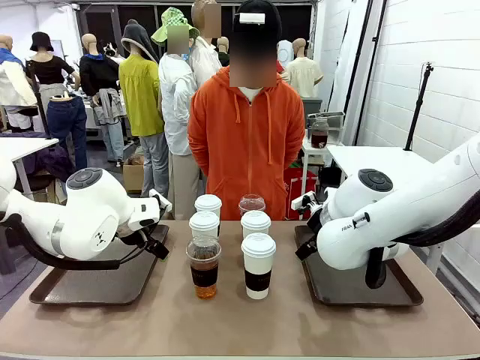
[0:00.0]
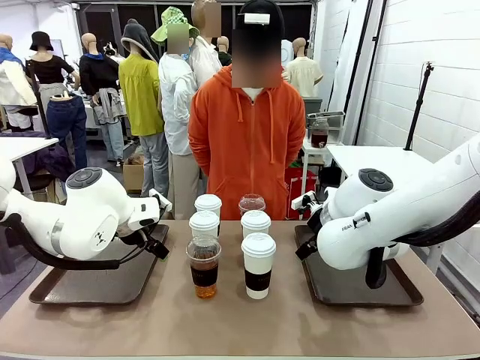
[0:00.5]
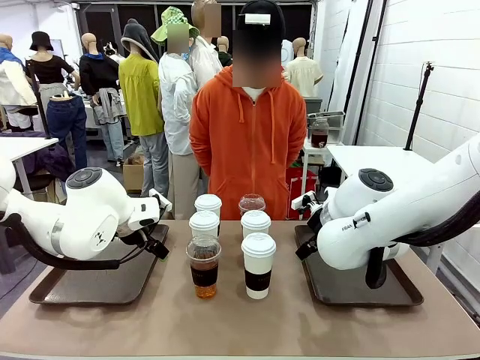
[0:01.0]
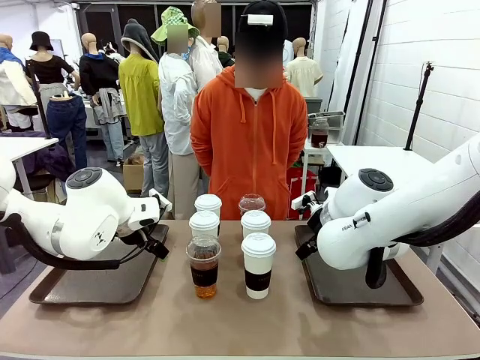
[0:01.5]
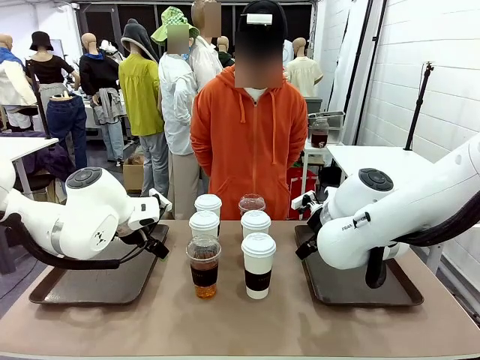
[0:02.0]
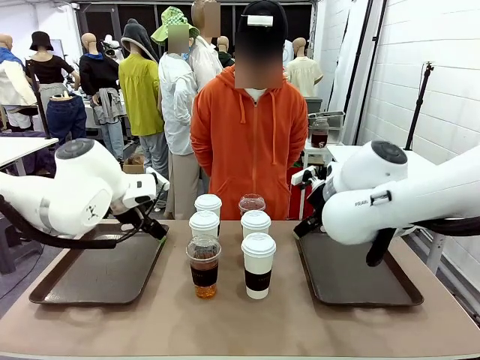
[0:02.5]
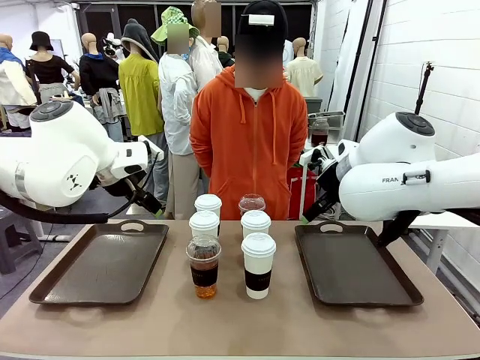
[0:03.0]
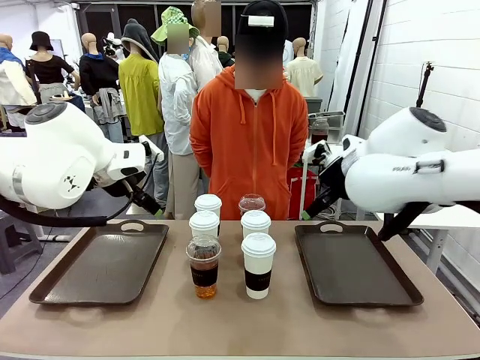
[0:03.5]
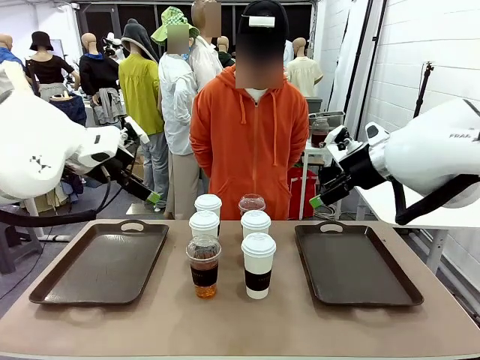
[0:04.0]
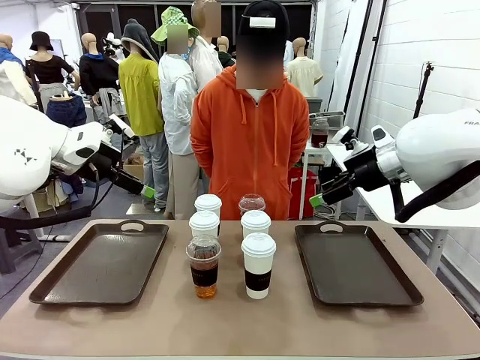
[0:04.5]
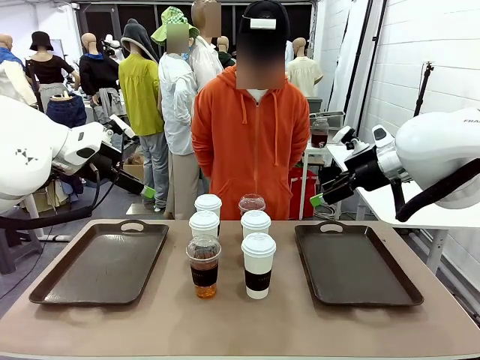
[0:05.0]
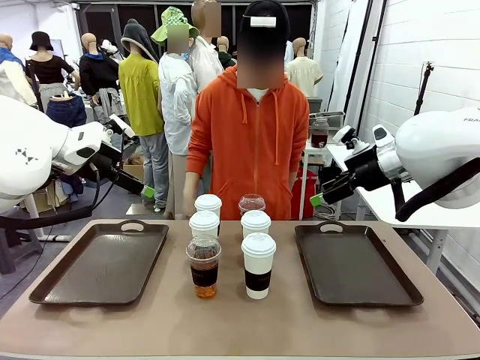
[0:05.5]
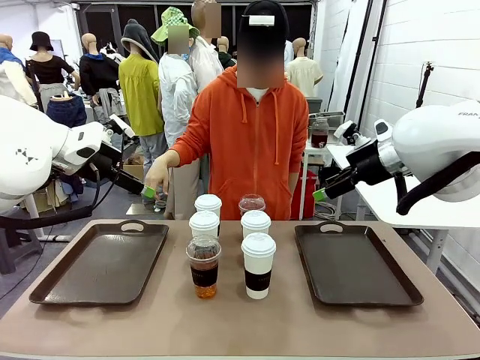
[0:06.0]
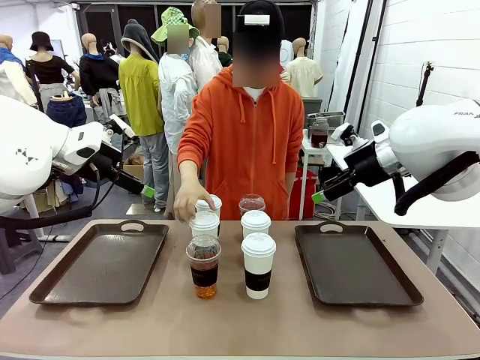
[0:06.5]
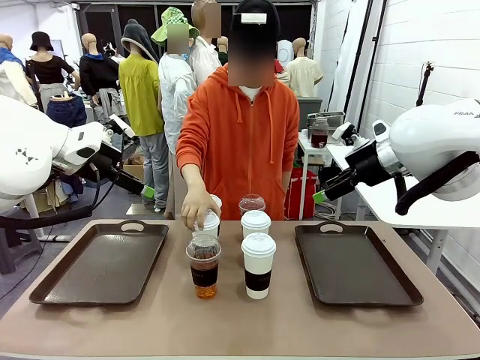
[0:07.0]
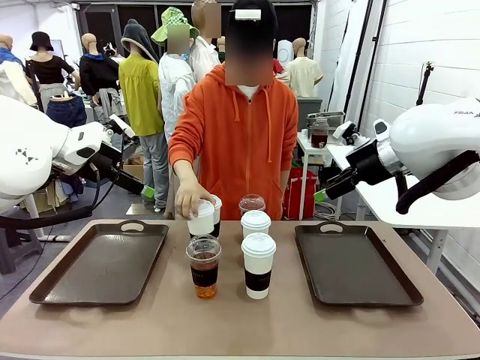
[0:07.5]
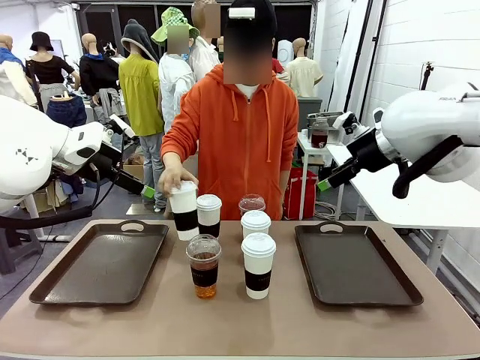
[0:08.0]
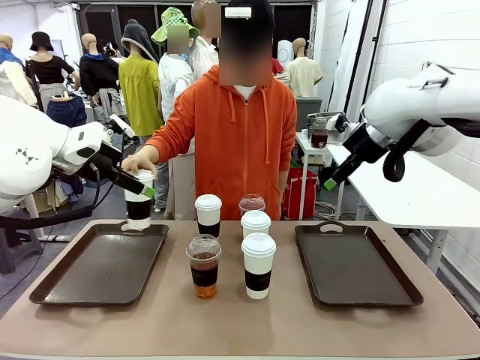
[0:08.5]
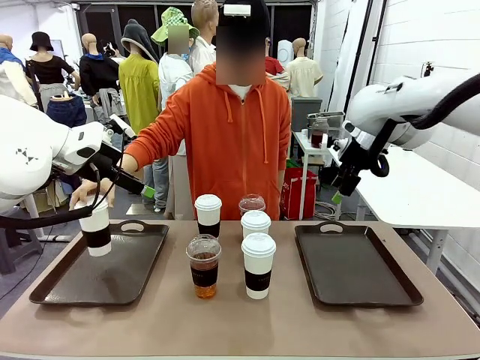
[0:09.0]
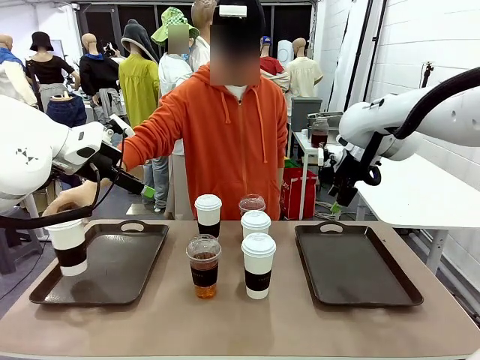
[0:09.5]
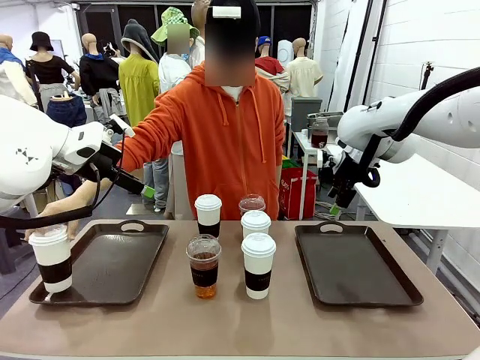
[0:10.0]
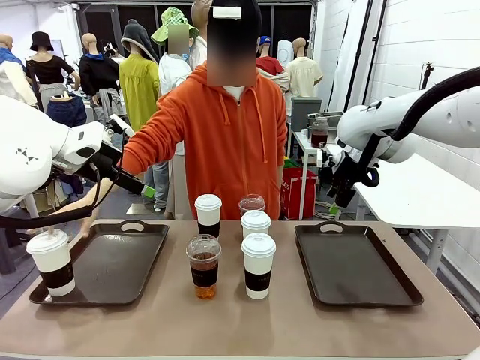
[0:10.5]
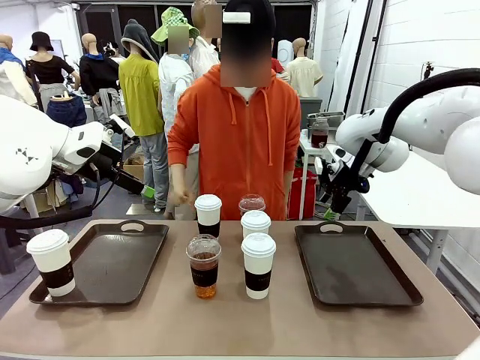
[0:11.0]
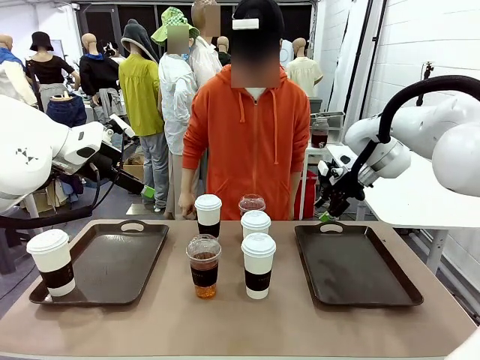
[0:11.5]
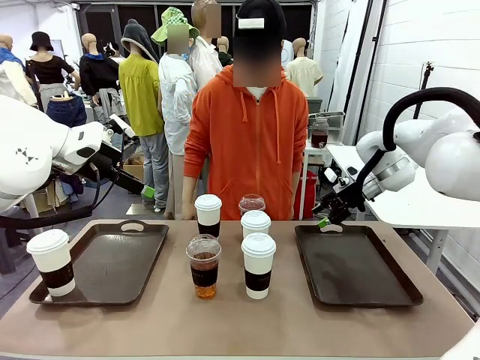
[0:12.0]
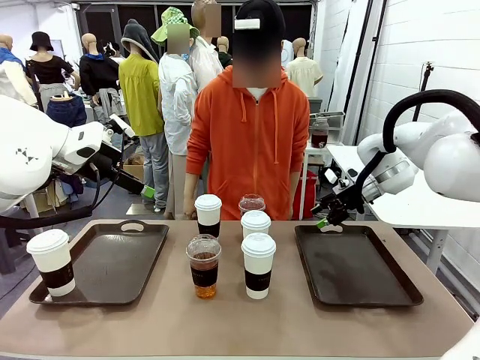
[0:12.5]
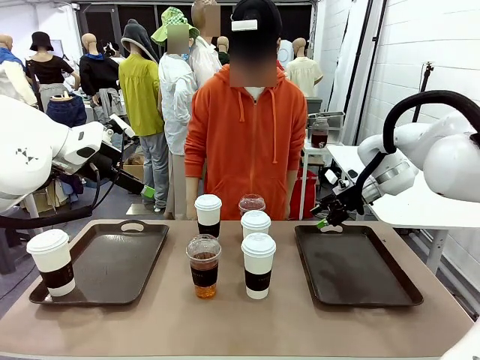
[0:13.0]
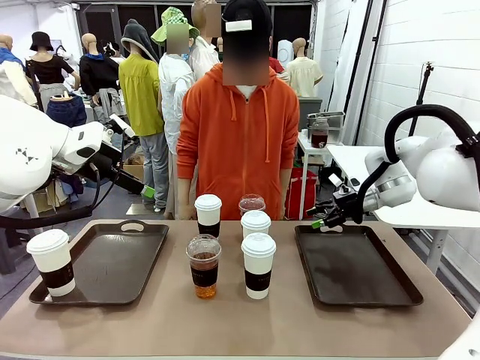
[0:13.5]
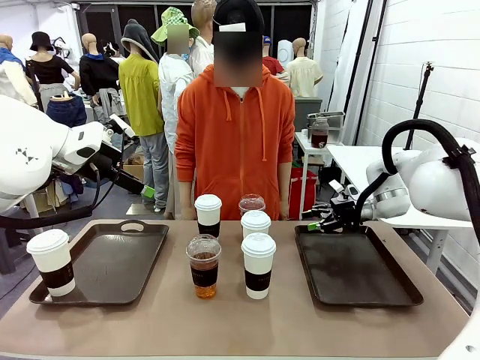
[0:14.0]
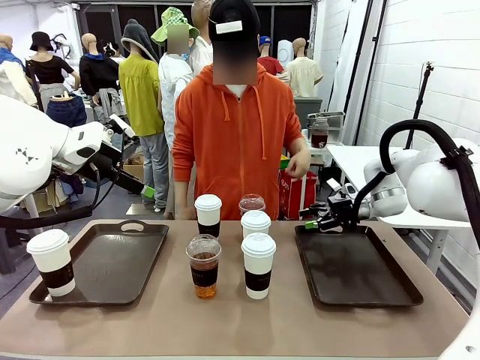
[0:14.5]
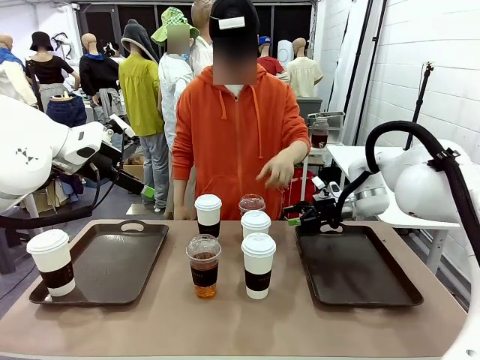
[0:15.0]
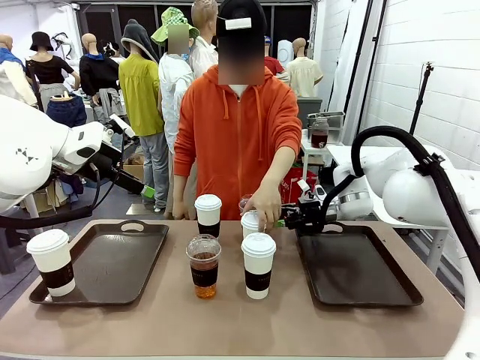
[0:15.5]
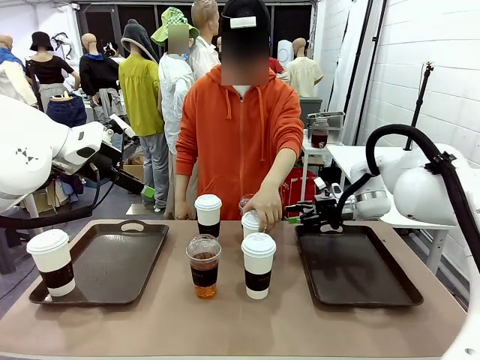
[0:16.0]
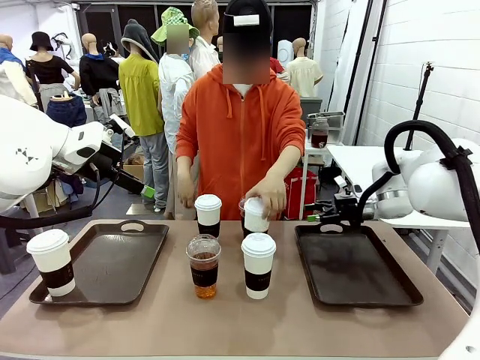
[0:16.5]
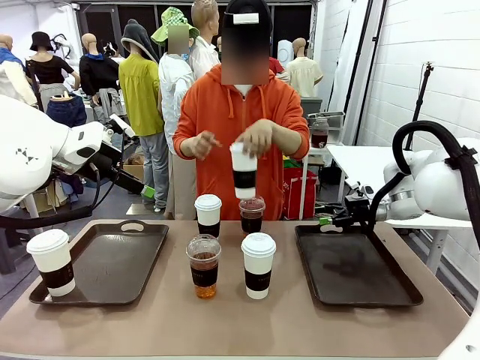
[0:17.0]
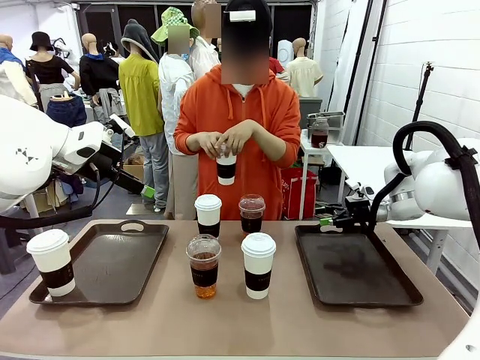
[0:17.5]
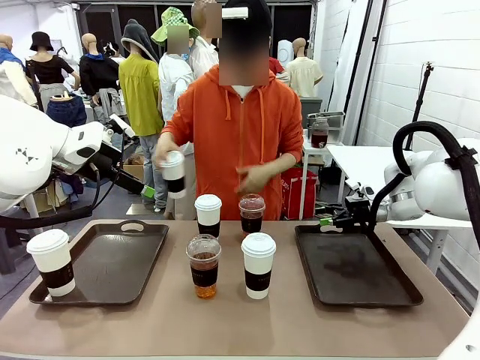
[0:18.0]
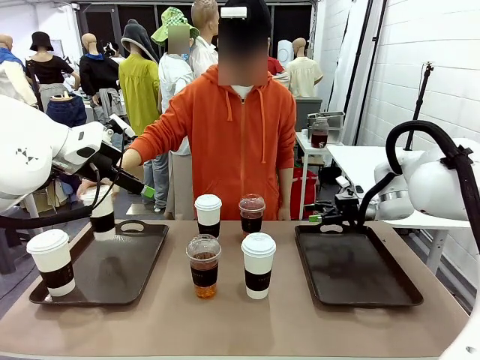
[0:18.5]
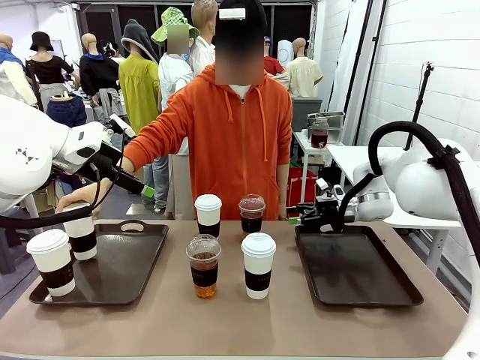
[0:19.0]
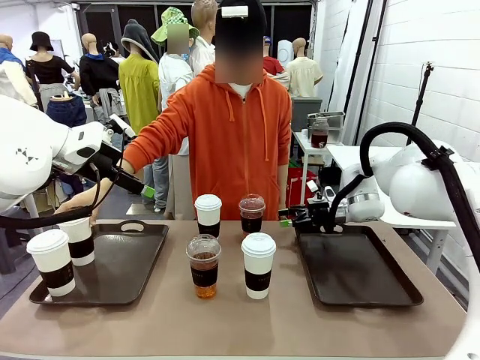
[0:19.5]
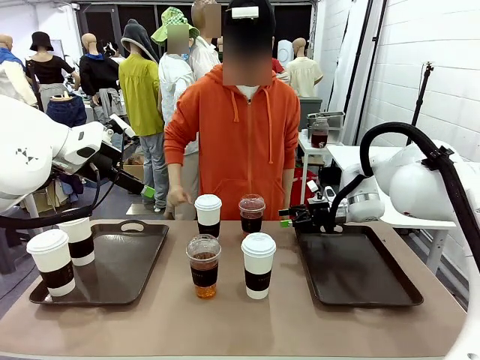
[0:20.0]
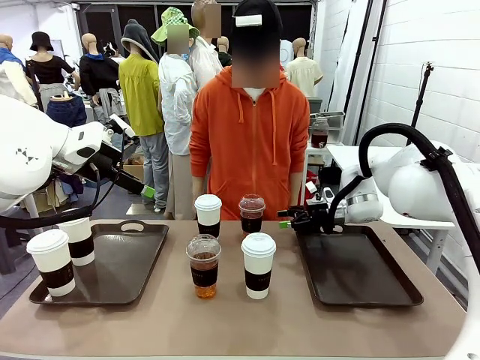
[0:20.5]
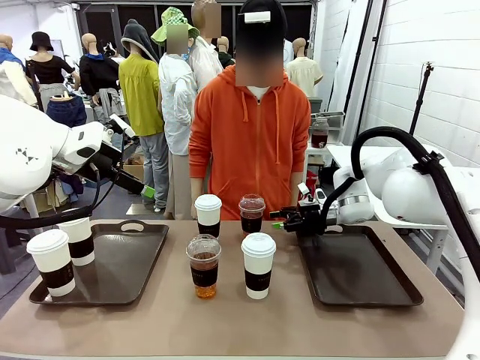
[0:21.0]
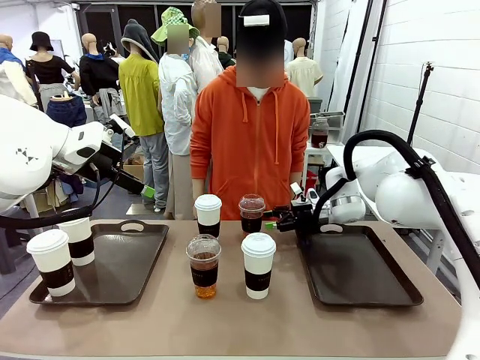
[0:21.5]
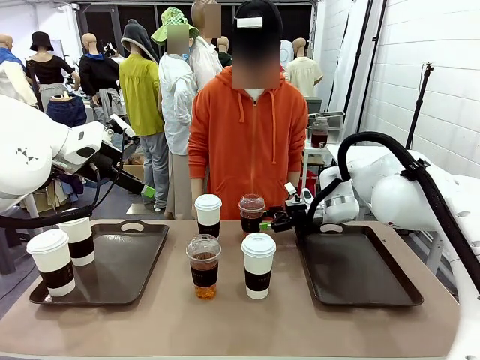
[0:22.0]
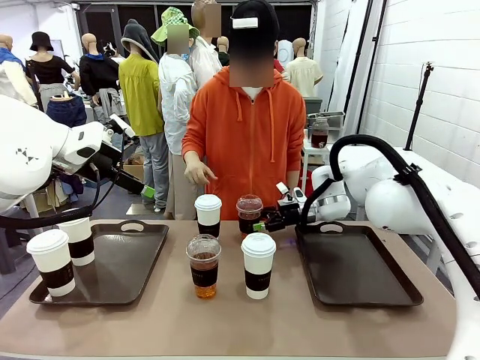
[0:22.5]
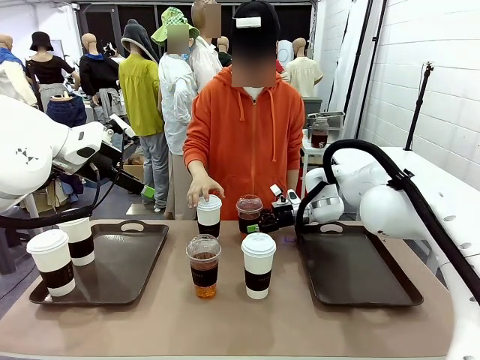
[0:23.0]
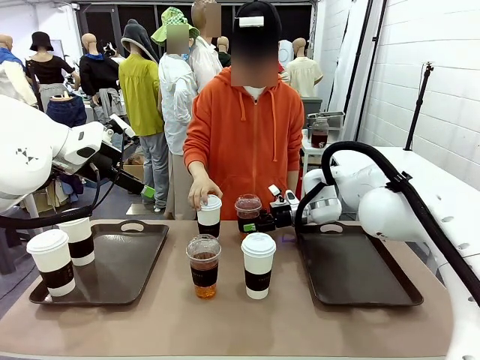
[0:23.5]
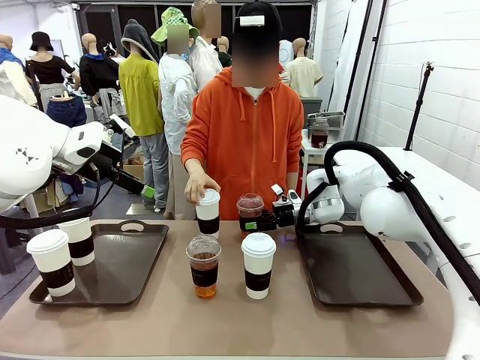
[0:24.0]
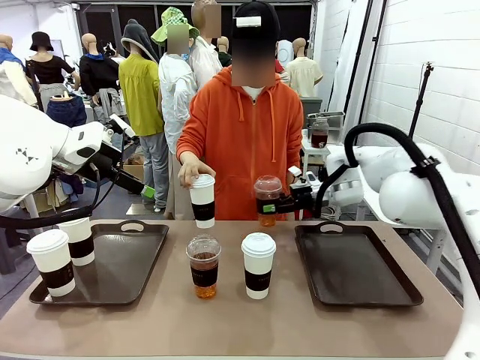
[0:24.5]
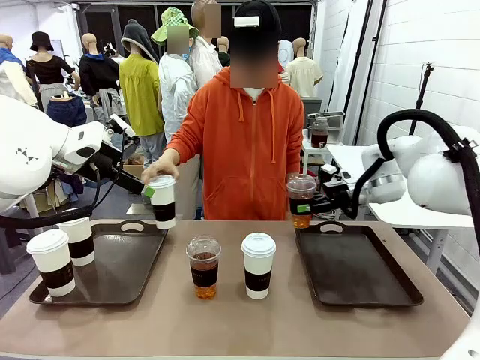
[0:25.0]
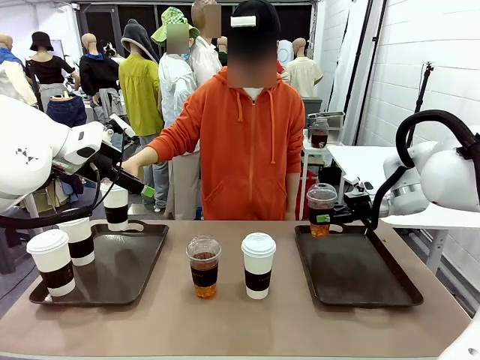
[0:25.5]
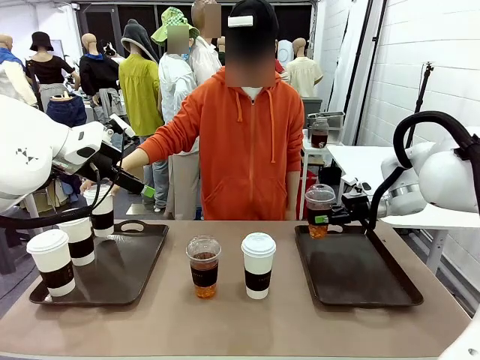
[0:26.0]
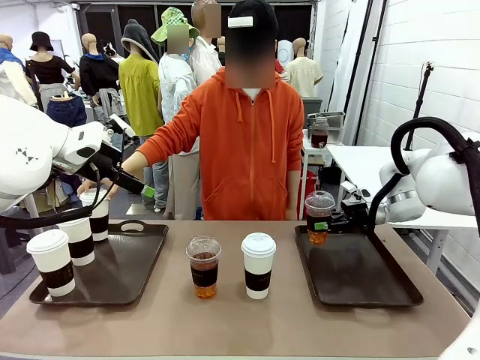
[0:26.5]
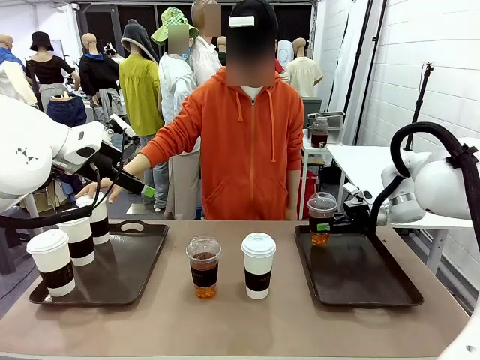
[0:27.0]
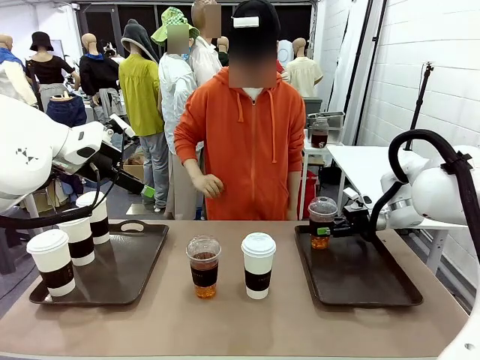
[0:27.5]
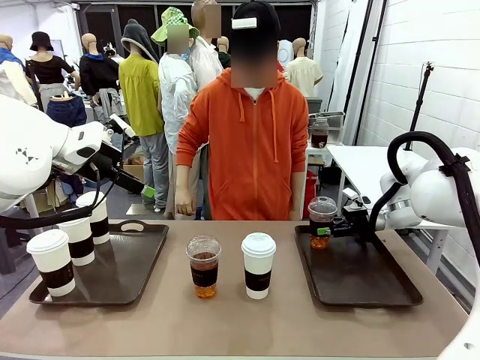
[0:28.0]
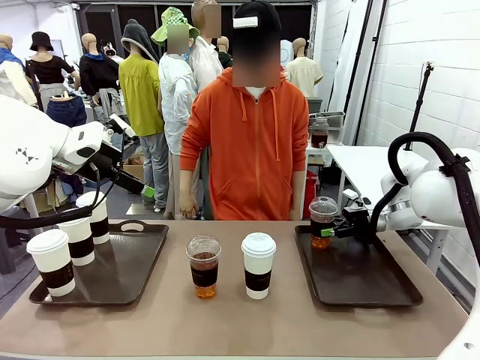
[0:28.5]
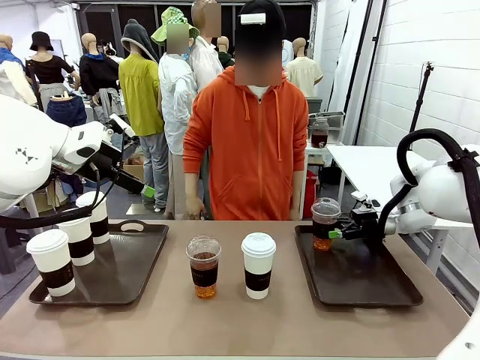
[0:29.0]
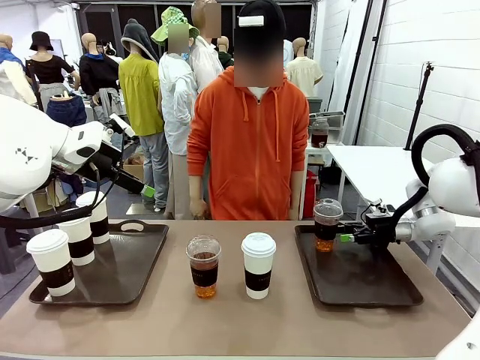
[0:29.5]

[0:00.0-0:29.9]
Task: Distribute the coffee onto the tray.
Robot: Pick up one iced Americano and place it on the right Handle tray.
Person: Pick up a cup of hot Americano and place it on the right tray.
